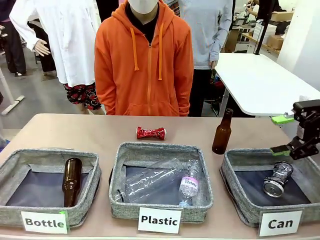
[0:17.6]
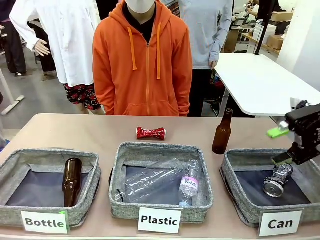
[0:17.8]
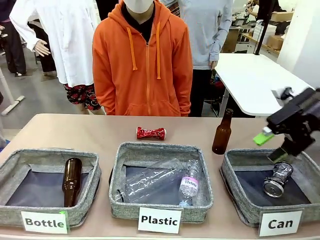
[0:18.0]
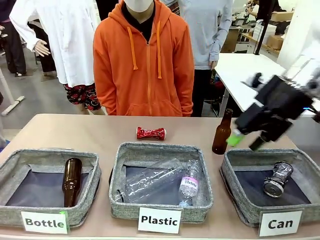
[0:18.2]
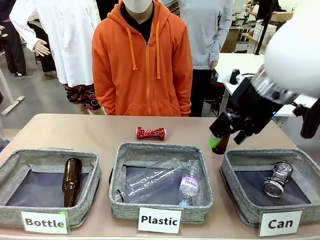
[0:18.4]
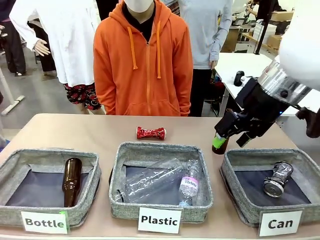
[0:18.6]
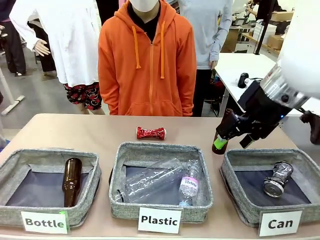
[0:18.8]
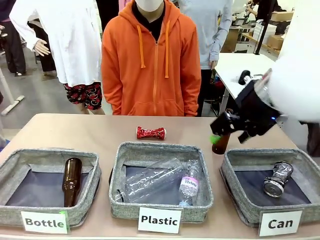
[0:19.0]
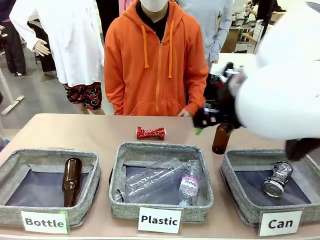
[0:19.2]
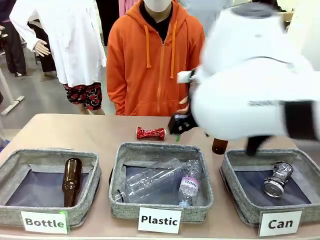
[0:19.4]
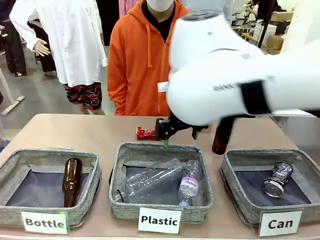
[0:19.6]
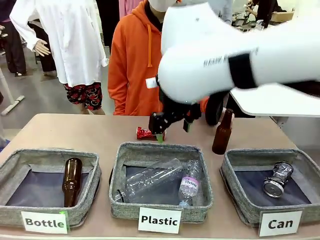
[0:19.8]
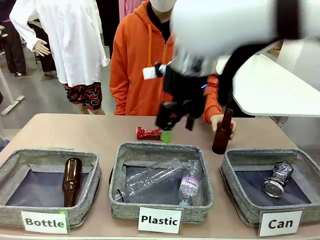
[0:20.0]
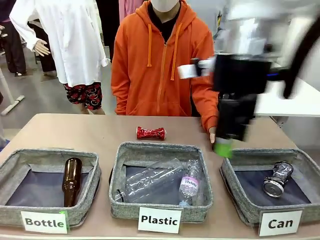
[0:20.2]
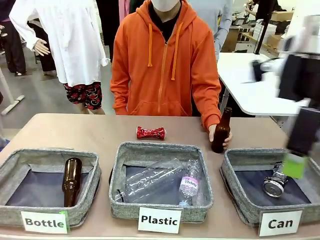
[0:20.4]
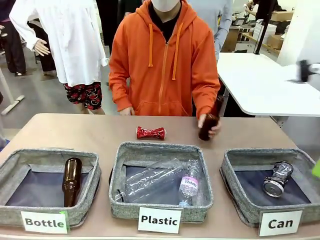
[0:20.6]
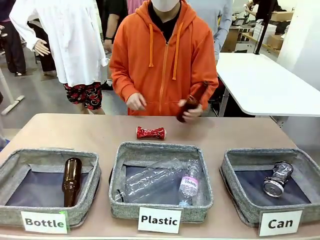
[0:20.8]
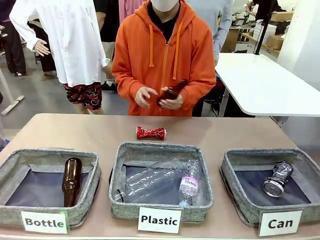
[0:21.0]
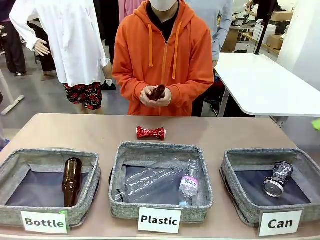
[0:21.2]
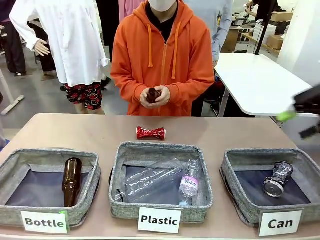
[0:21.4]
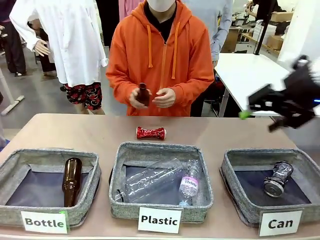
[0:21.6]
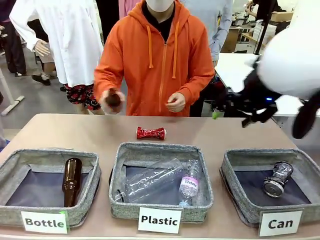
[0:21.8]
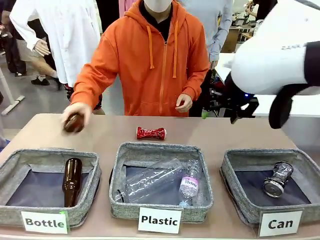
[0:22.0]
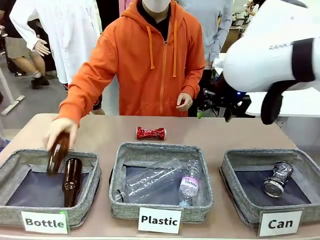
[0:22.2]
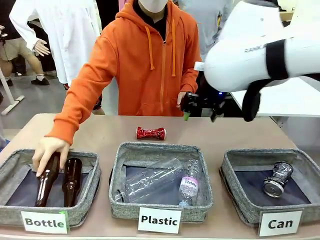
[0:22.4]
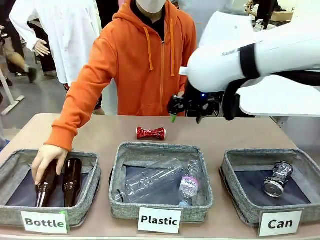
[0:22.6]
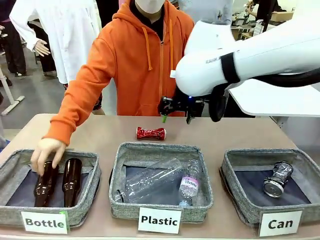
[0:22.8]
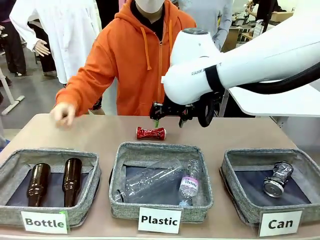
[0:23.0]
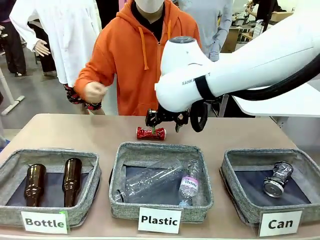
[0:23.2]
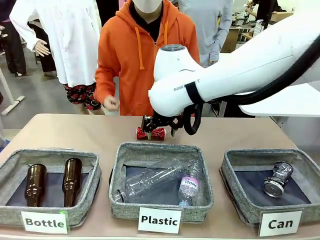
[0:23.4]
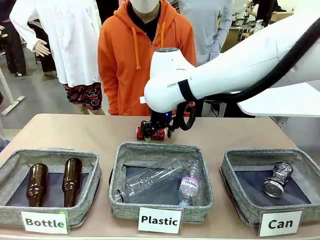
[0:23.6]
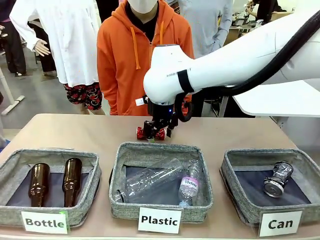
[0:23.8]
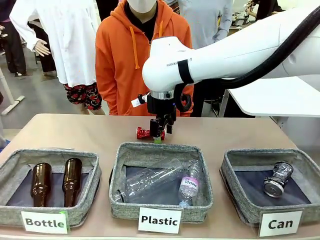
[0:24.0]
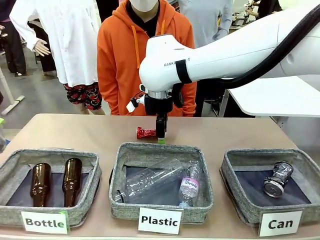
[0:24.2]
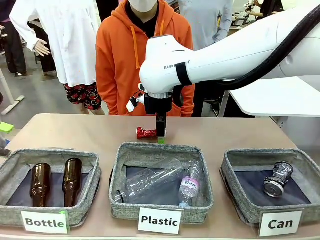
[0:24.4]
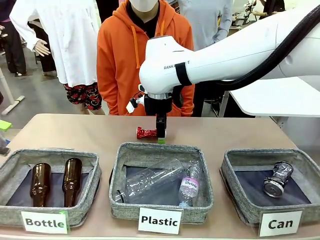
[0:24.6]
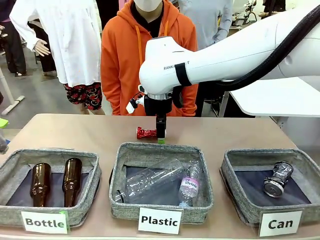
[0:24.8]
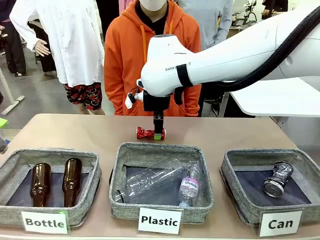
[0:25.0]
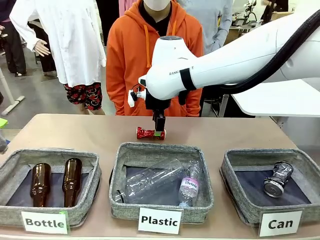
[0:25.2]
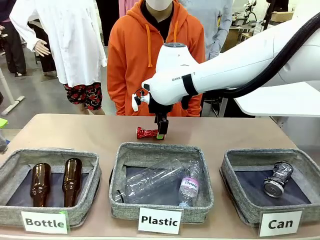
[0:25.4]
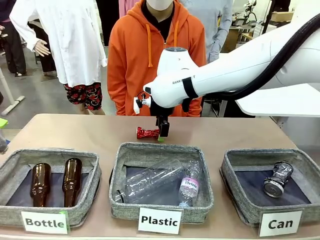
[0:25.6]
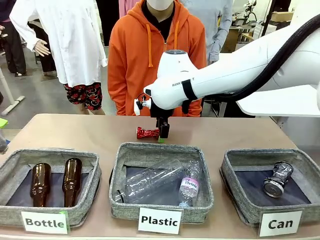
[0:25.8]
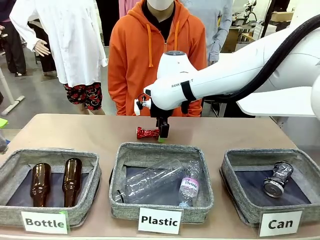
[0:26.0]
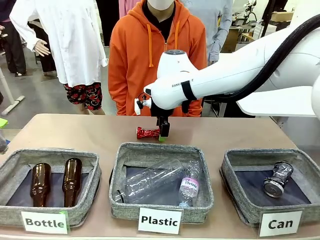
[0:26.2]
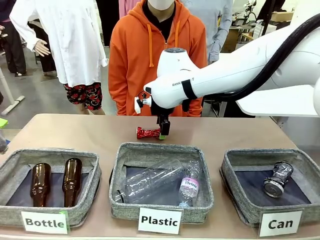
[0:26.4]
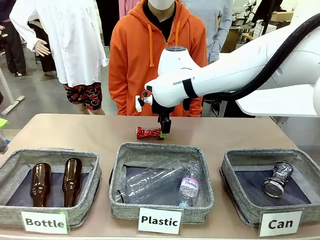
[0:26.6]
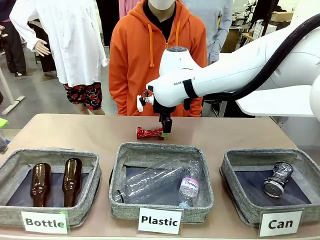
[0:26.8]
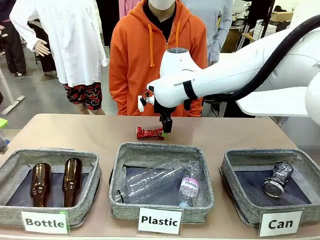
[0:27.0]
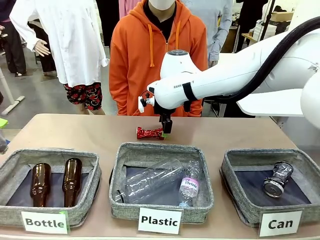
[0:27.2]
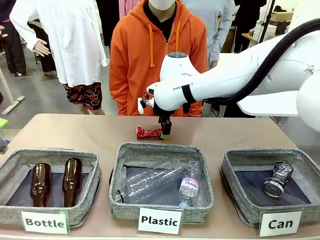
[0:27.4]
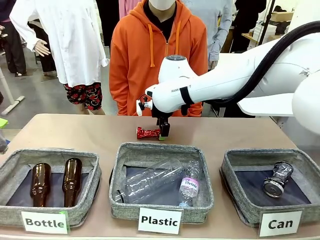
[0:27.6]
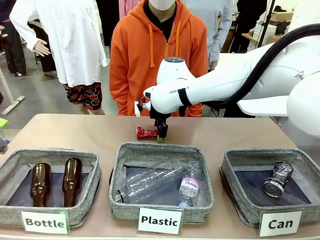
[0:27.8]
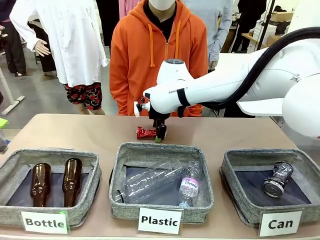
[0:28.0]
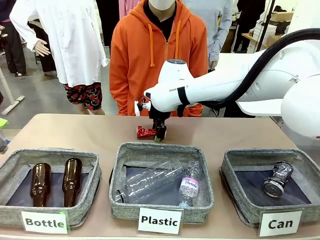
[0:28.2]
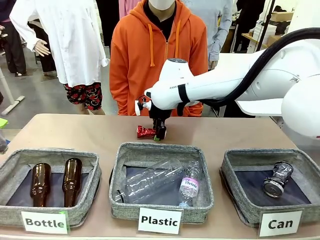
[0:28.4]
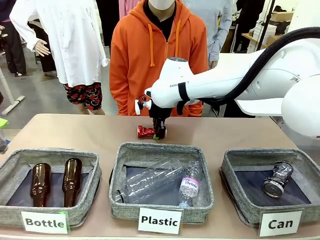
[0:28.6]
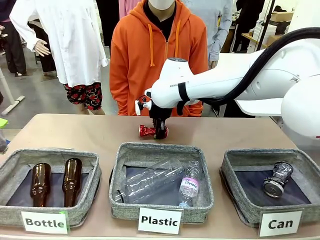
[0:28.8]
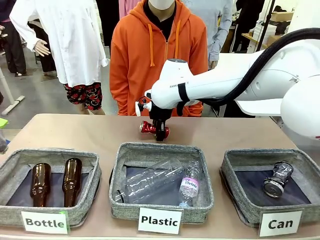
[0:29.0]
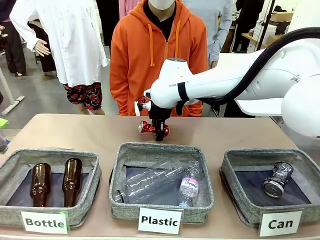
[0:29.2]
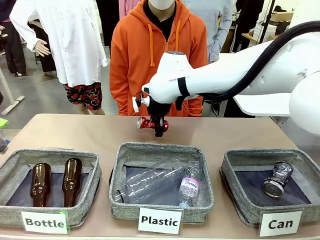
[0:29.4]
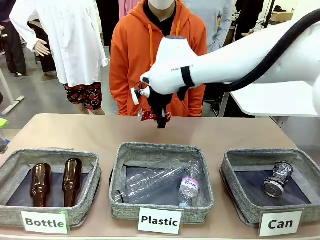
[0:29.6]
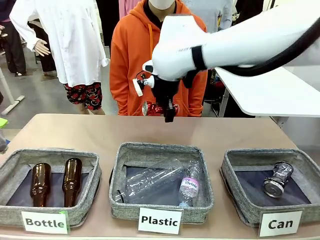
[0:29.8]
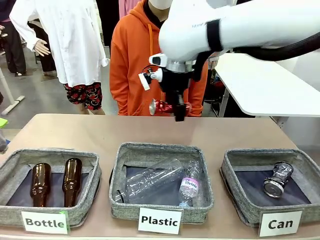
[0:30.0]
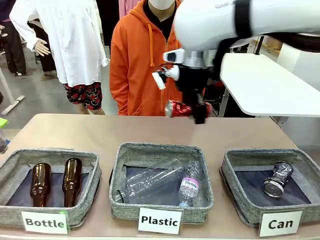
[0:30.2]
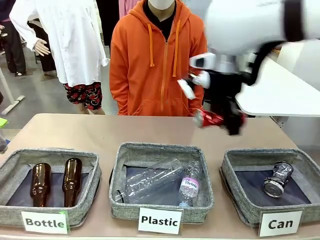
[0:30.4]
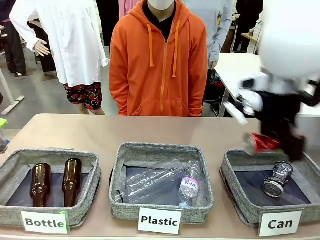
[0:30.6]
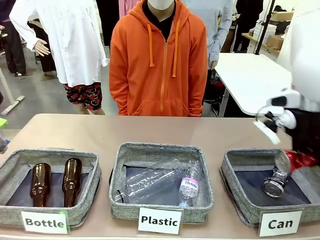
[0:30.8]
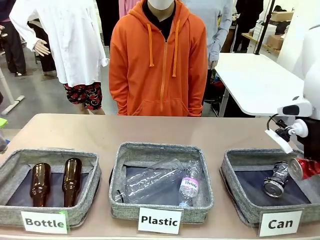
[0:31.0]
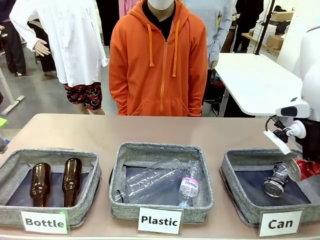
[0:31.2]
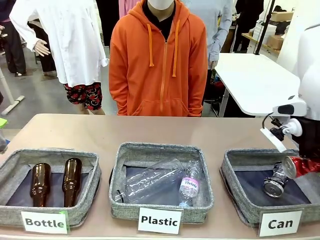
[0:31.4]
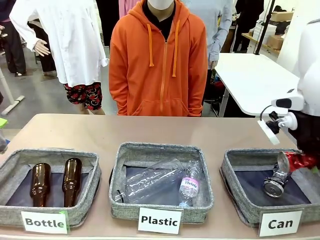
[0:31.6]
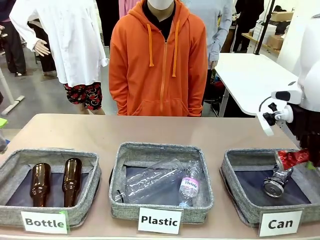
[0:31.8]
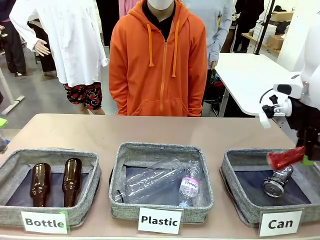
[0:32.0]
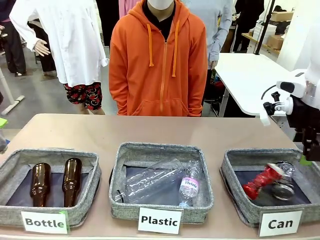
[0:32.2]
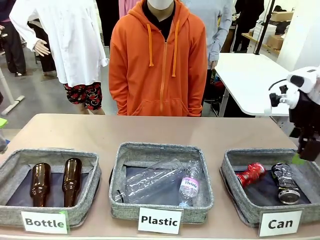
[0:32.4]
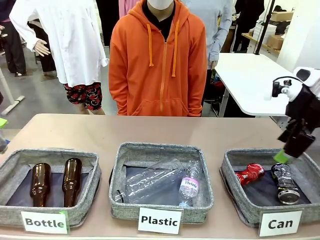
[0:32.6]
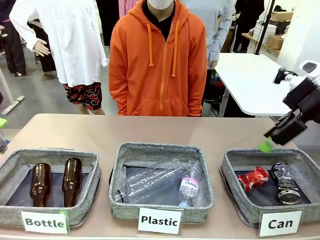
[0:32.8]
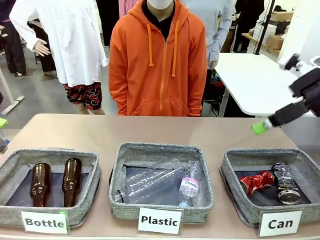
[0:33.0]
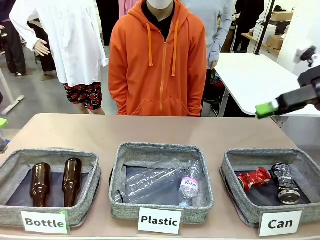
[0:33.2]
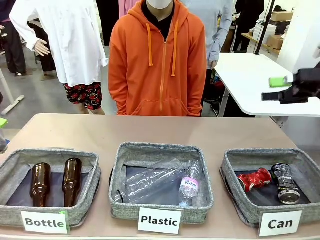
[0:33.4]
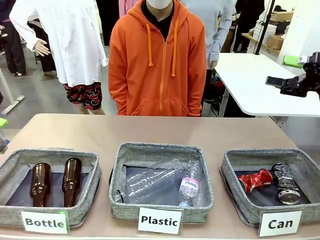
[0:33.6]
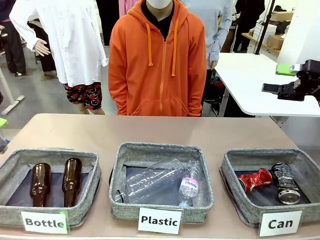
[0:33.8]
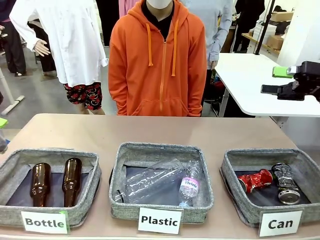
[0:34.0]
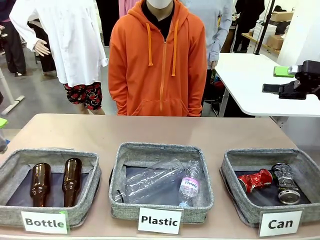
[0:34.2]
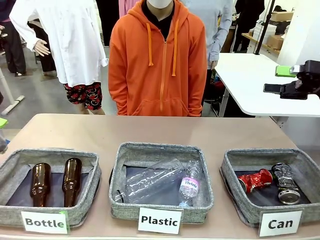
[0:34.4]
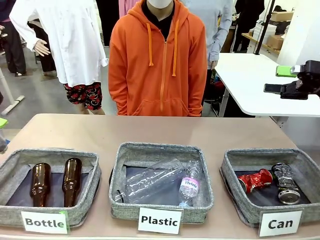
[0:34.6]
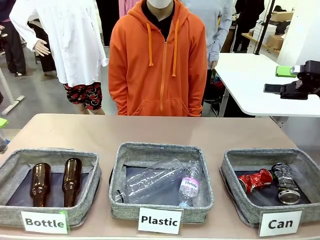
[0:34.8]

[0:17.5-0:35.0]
Task: Sort the can waste into the basket.
Robot: Pick up the can waste from the table and place it in the right Fabric basket.
